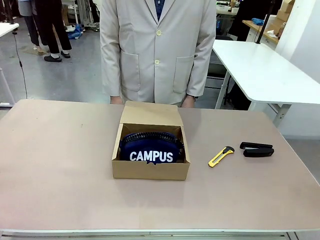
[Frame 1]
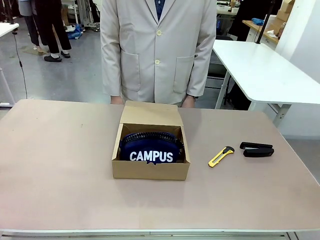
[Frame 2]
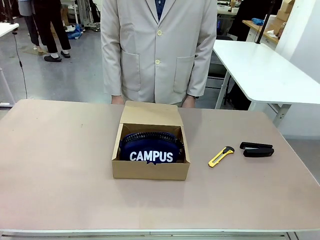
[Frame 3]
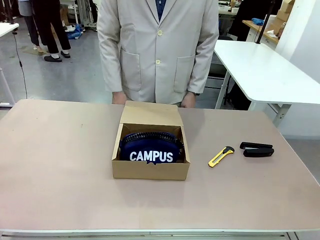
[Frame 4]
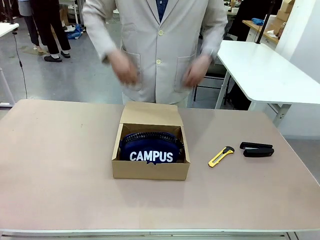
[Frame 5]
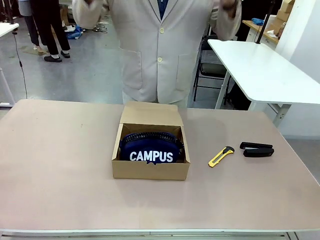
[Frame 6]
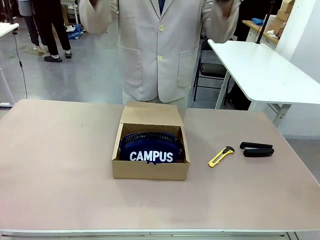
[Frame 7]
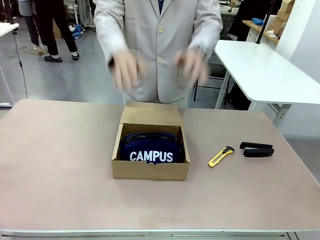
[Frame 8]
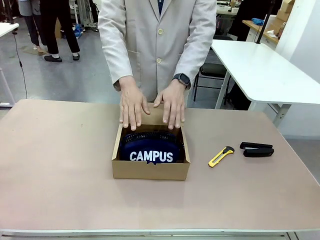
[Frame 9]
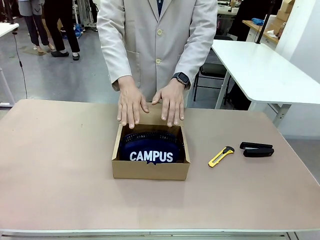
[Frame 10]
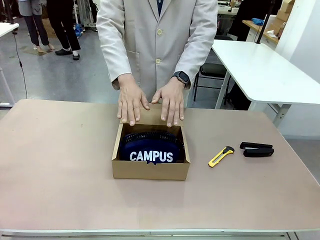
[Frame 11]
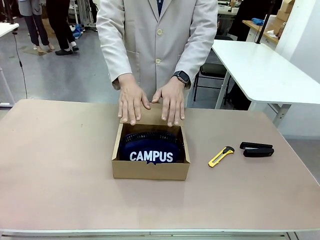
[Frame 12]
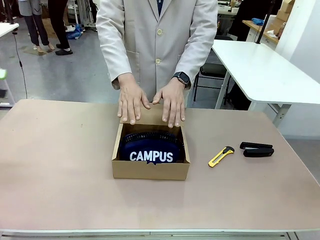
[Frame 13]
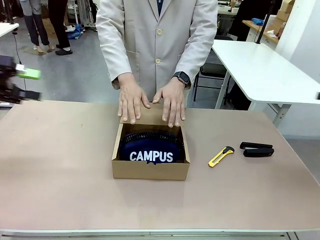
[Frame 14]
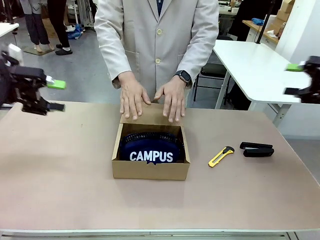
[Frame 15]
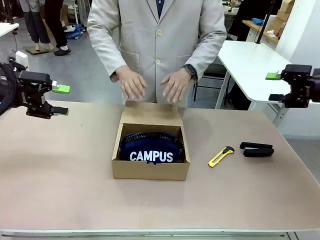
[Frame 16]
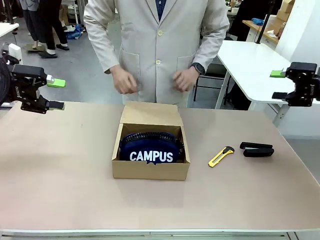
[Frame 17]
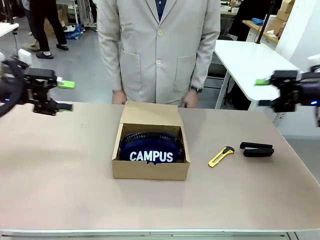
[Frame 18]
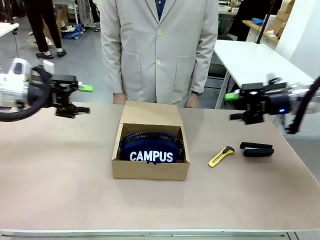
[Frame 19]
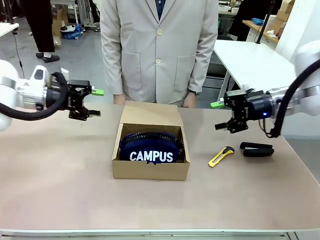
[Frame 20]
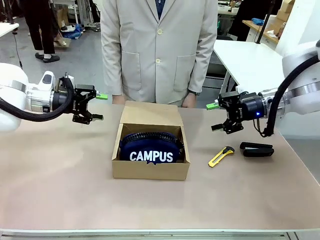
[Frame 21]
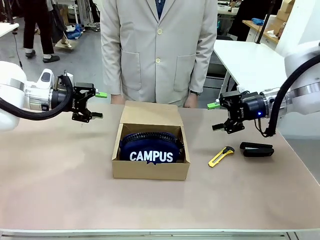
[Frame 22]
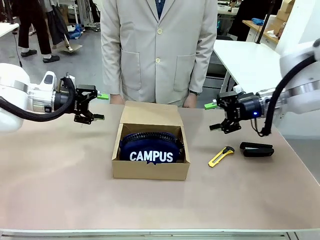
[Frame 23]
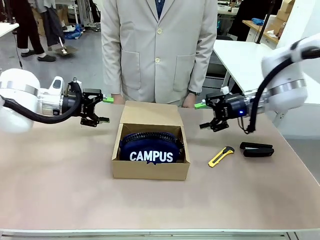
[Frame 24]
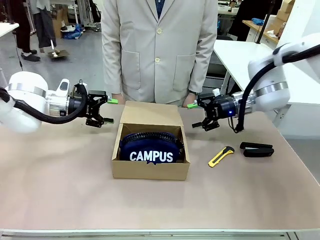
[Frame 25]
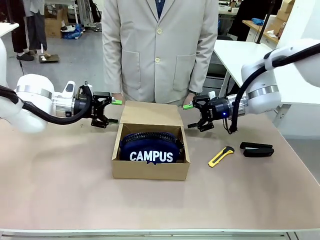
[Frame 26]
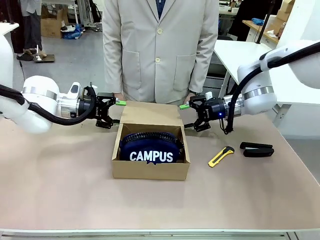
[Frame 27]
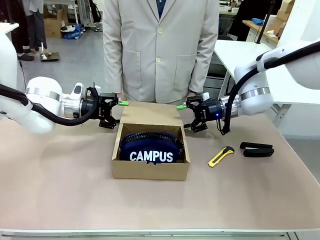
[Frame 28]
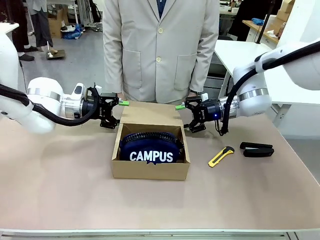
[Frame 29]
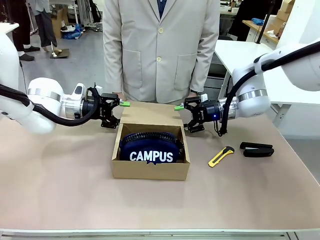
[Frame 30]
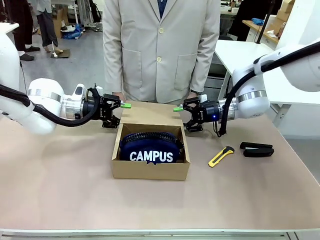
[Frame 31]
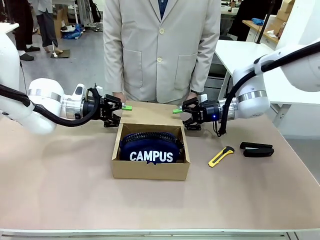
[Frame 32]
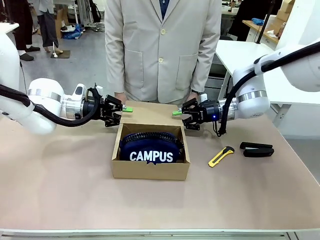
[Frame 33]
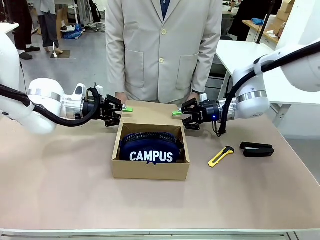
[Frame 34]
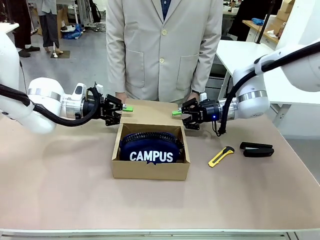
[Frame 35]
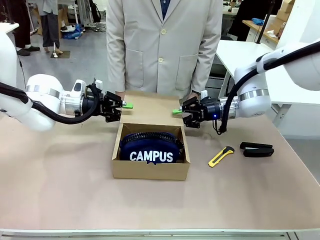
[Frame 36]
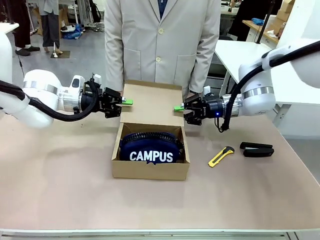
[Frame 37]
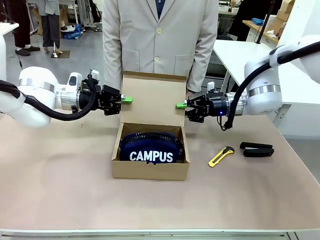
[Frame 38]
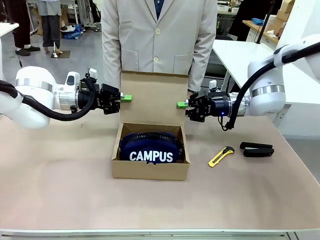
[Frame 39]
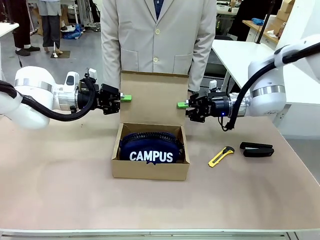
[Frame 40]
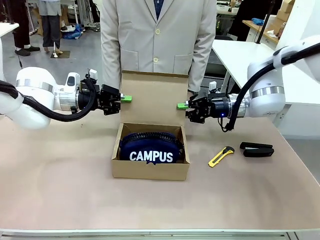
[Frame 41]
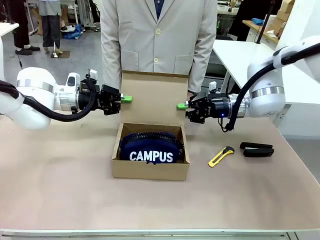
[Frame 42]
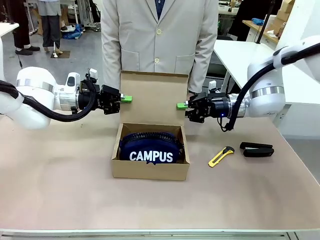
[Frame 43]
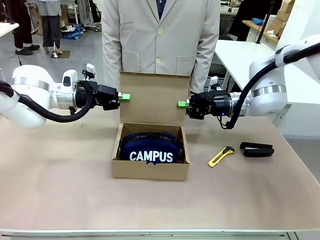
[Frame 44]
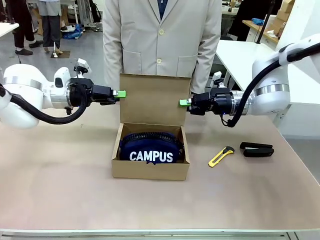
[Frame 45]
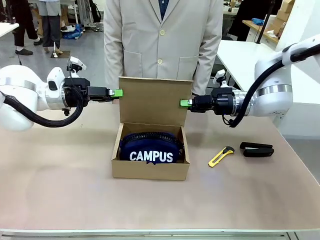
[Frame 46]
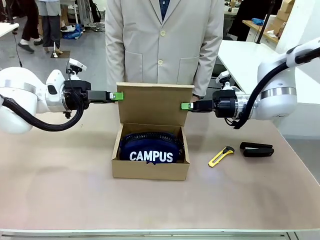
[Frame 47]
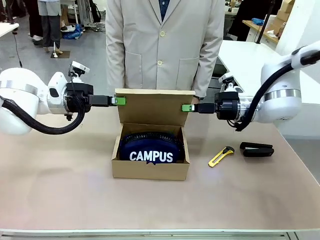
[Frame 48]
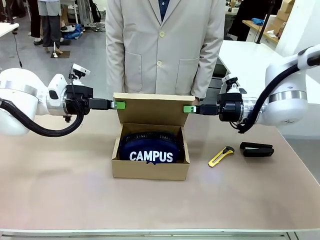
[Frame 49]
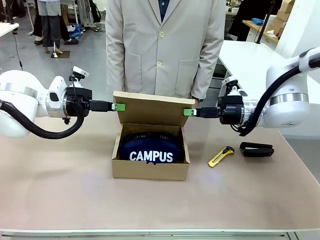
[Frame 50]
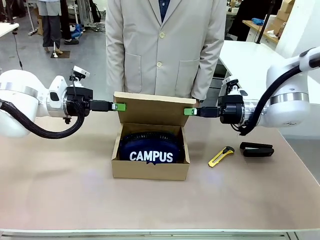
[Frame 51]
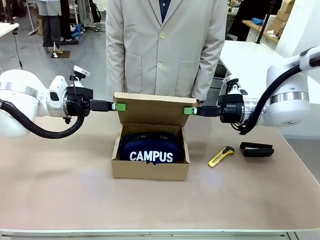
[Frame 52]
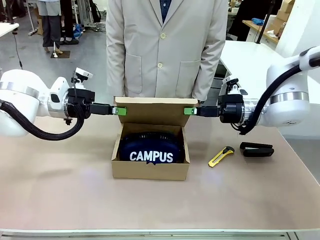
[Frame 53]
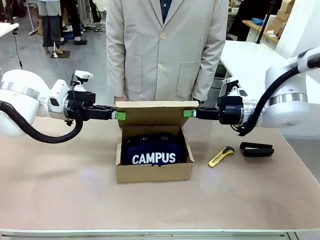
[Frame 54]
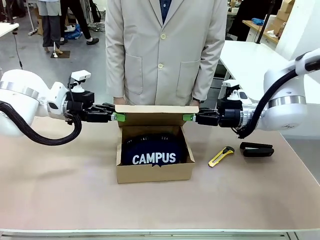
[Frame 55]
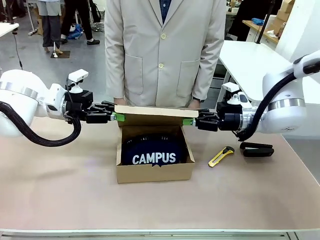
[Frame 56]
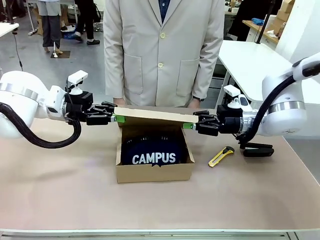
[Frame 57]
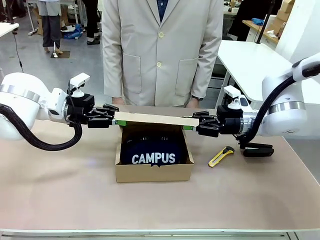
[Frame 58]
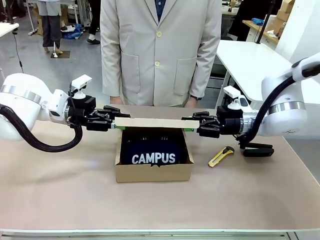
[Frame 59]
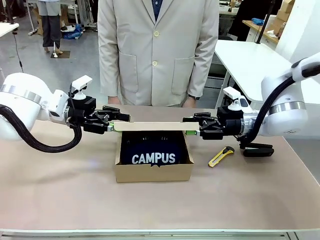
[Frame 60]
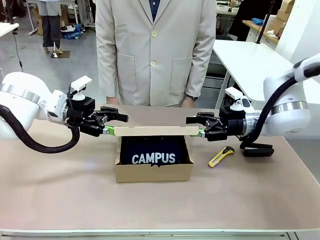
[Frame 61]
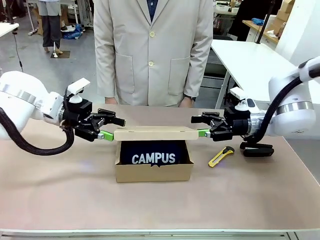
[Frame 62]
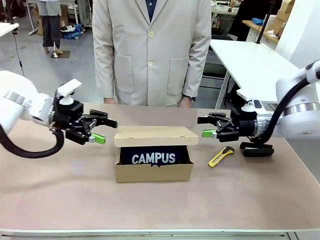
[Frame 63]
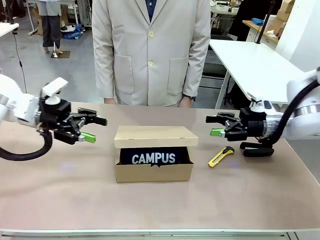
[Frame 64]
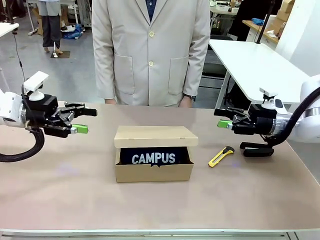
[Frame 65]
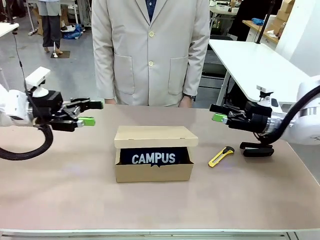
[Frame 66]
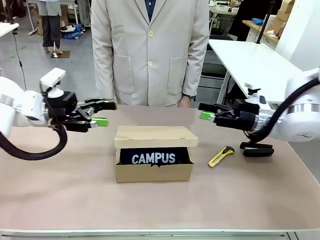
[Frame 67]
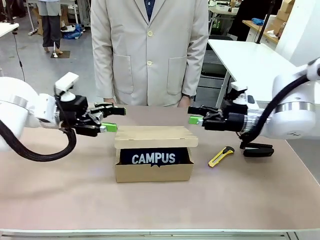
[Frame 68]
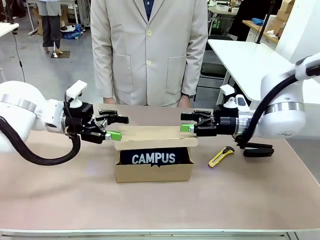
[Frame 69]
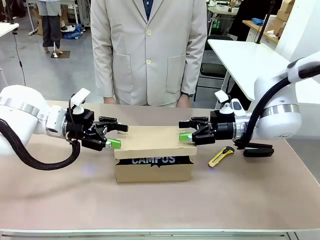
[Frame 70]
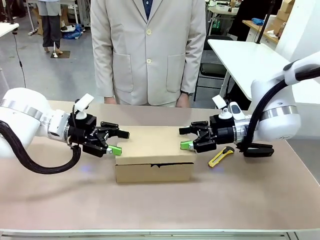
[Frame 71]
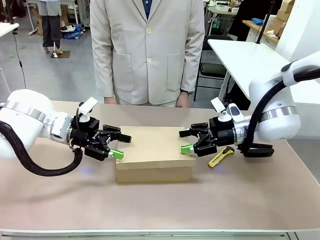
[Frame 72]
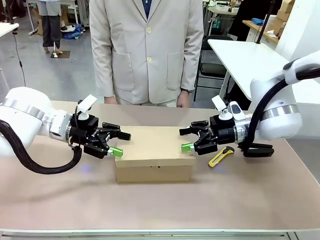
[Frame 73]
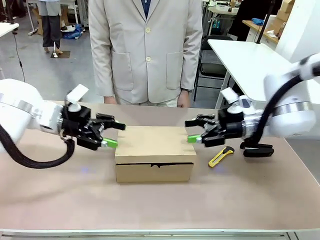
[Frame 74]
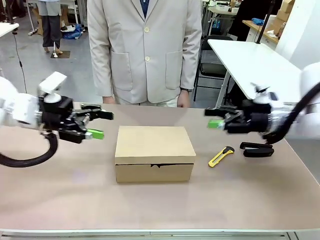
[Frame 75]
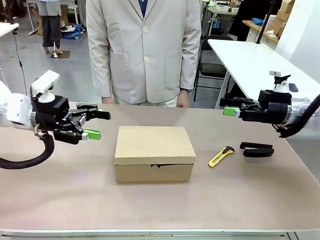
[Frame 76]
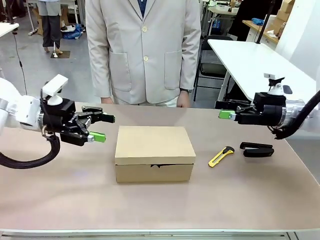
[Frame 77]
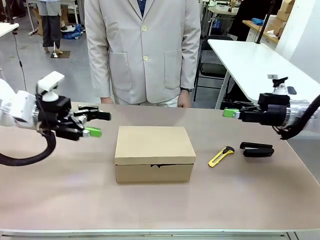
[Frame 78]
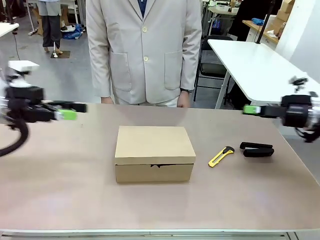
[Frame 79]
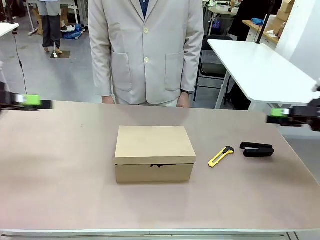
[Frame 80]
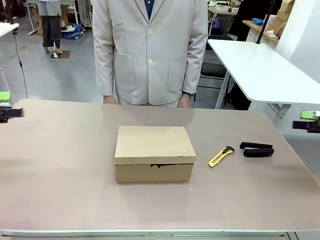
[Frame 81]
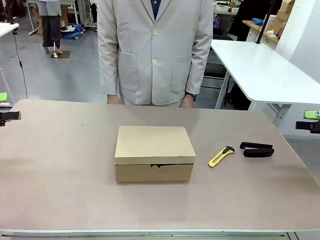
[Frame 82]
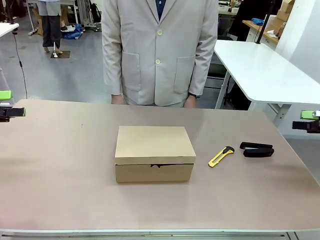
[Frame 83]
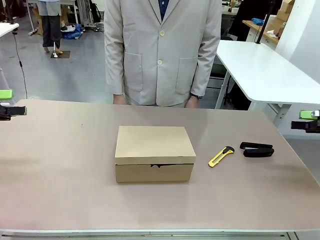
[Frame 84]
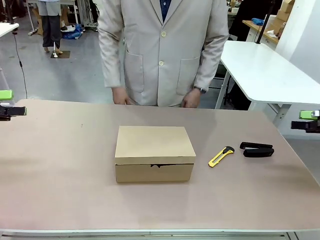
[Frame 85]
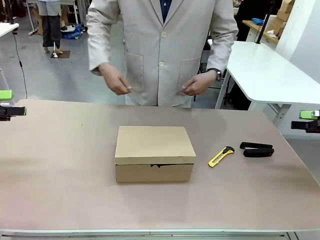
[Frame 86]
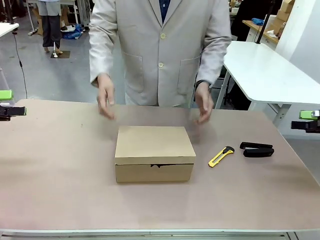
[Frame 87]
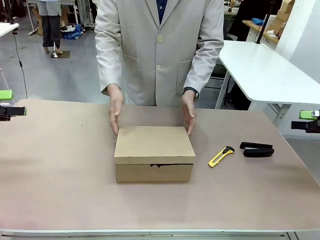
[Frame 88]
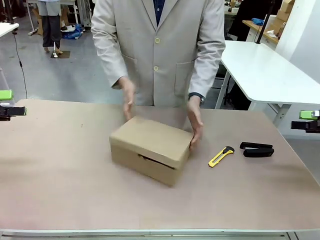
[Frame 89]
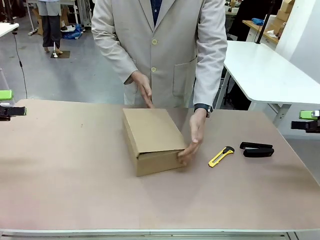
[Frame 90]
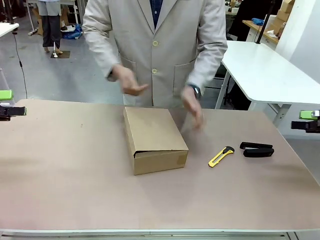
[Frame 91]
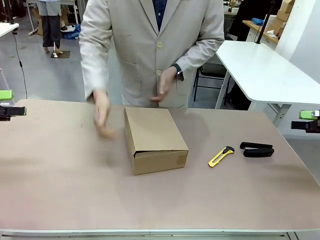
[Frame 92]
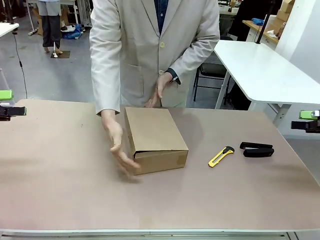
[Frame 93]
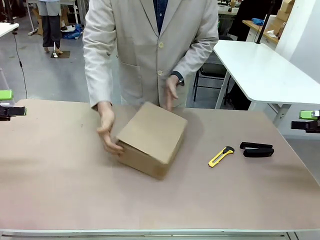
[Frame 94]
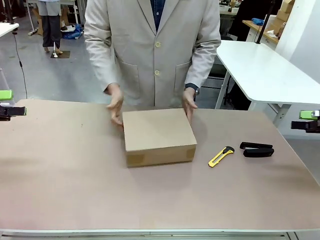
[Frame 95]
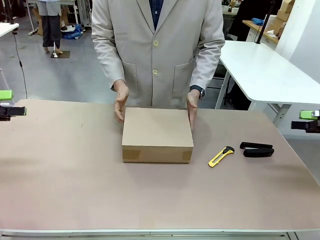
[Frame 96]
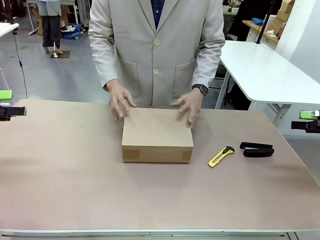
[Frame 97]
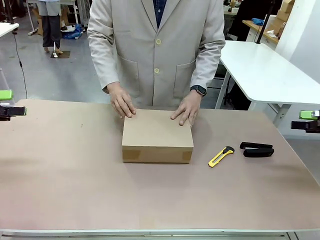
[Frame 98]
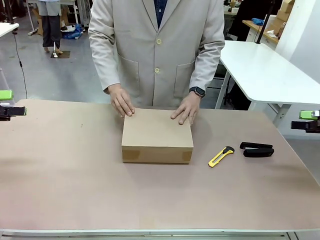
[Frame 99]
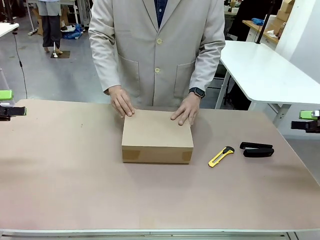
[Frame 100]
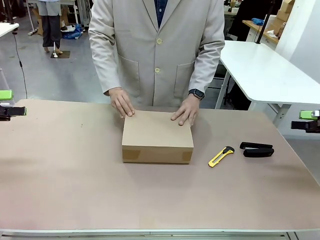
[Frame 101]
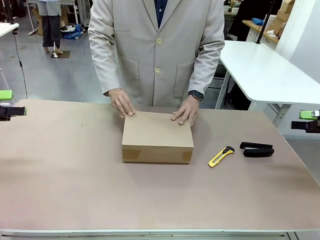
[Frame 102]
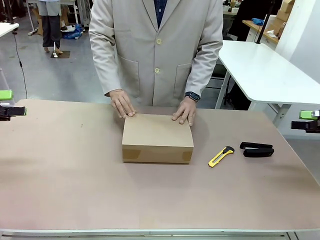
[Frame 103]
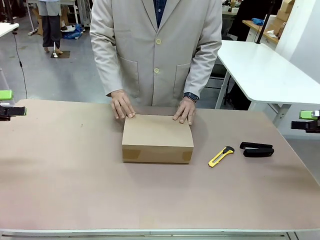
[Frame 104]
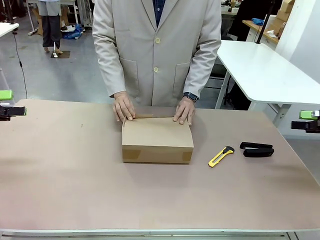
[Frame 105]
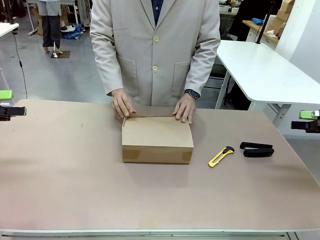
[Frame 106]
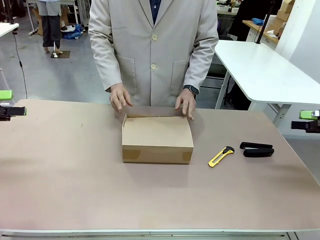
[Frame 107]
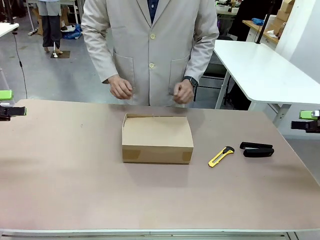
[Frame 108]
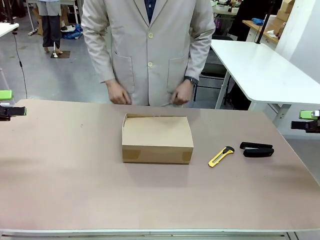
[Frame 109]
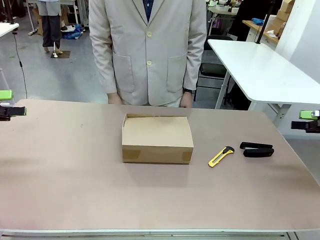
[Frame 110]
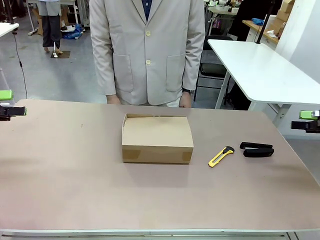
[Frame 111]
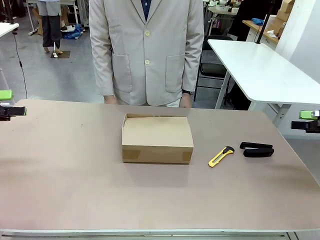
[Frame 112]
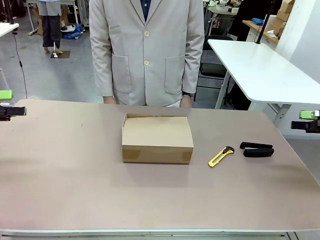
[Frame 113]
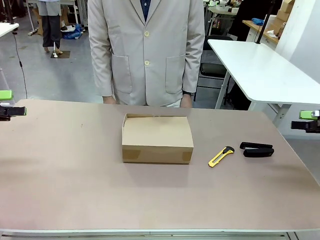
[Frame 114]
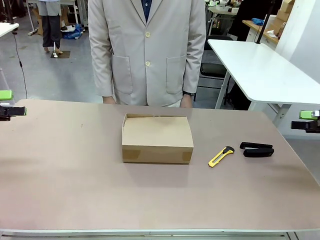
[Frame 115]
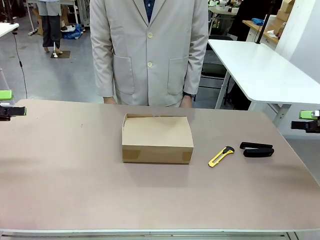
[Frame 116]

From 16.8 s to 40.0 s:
Task: Pack the item into the box.
Robot: Close the Mailer Box.
Person: Lower both hands vertically with palms facing downward, as if pressing something closed. Turn the box and lock it.
